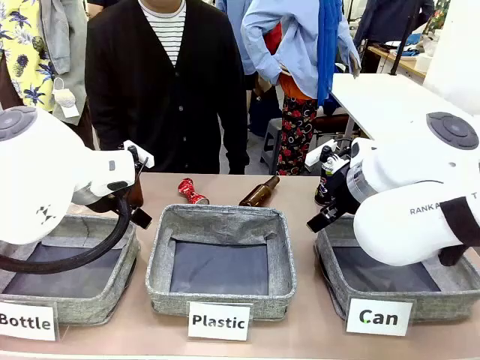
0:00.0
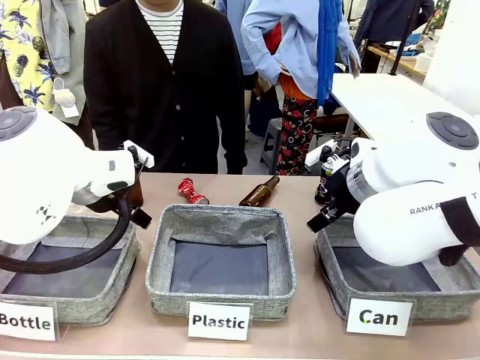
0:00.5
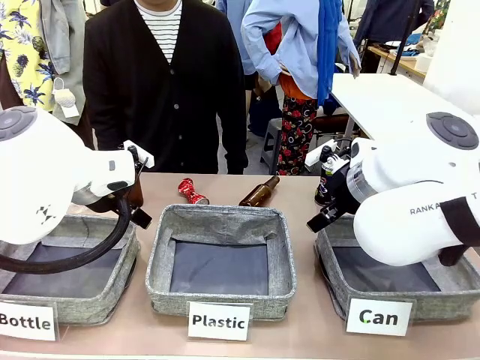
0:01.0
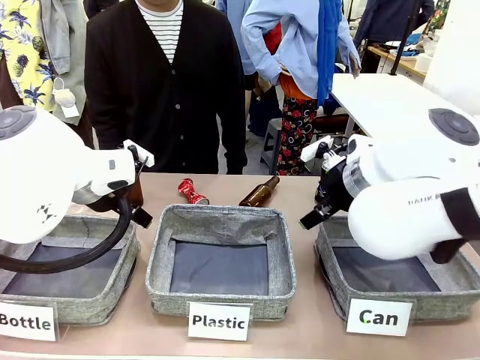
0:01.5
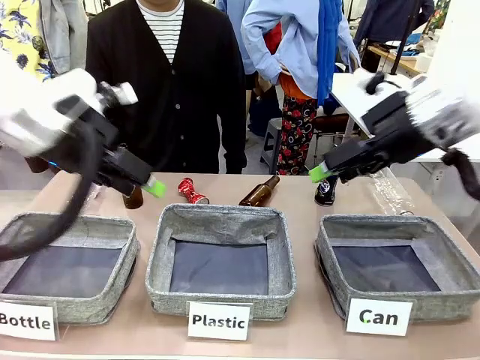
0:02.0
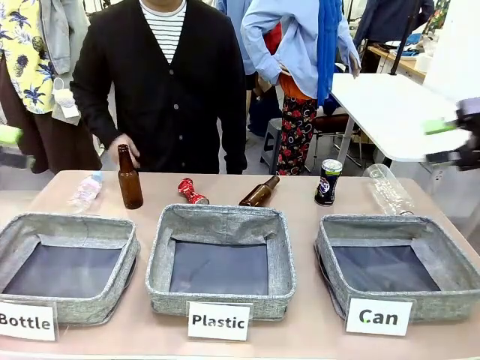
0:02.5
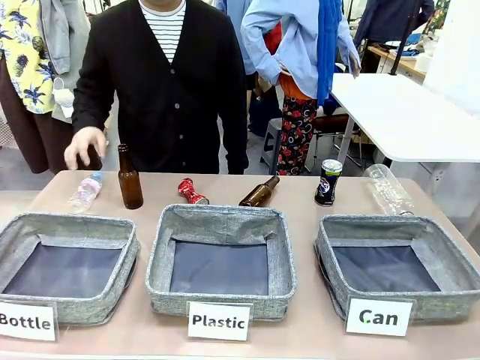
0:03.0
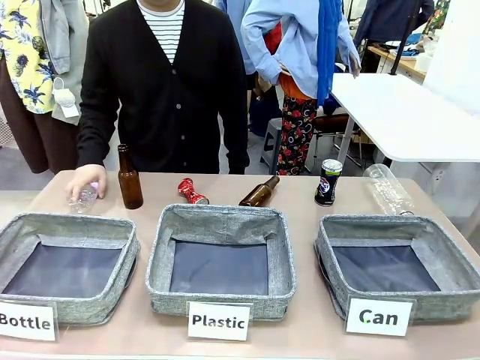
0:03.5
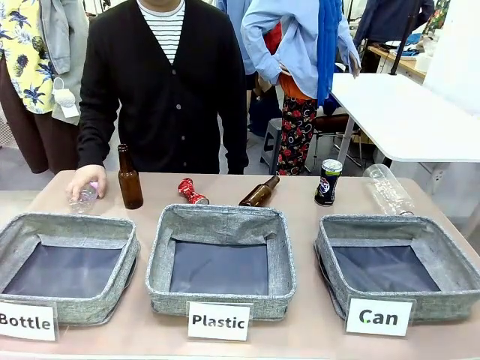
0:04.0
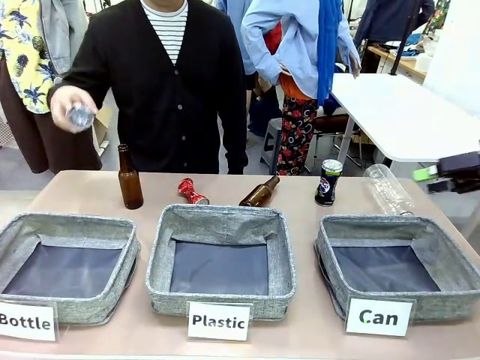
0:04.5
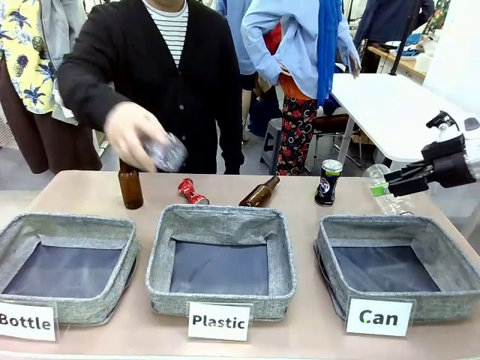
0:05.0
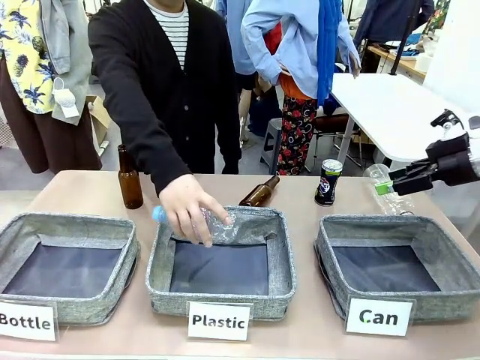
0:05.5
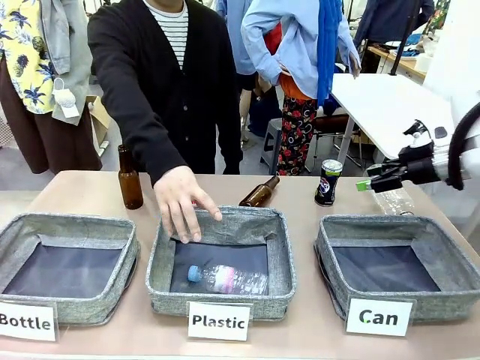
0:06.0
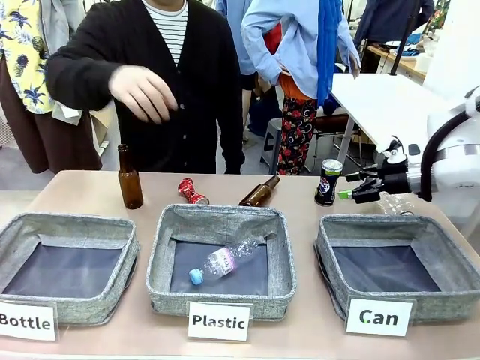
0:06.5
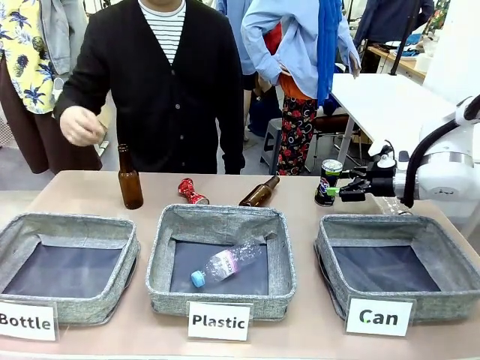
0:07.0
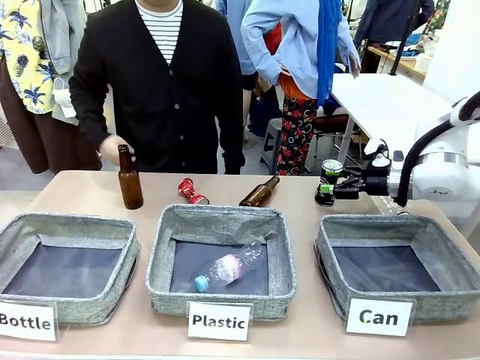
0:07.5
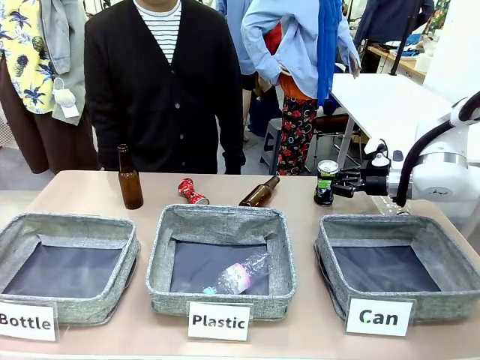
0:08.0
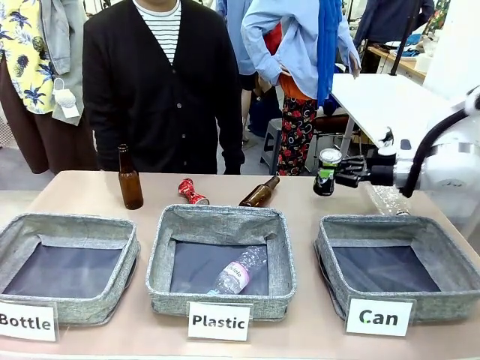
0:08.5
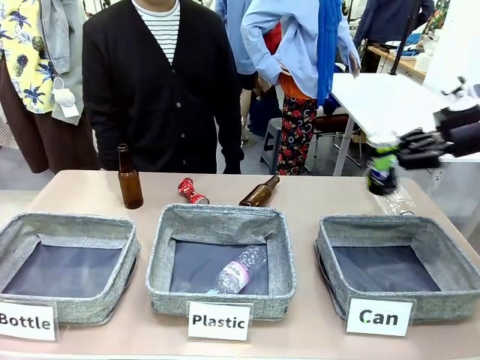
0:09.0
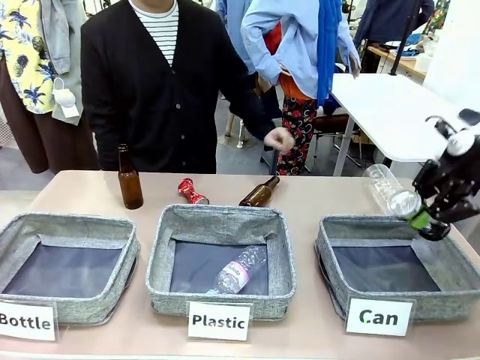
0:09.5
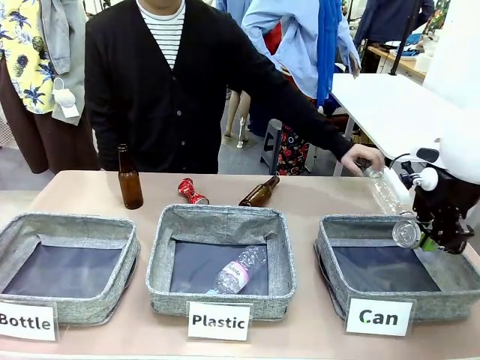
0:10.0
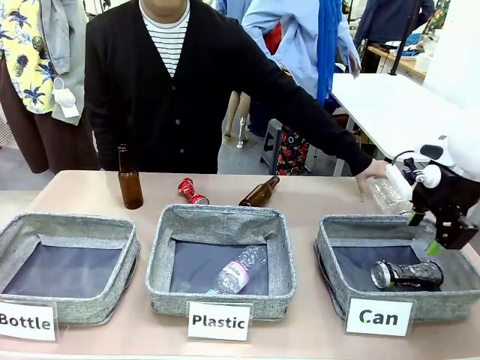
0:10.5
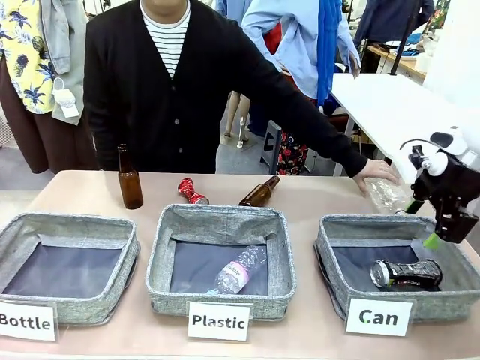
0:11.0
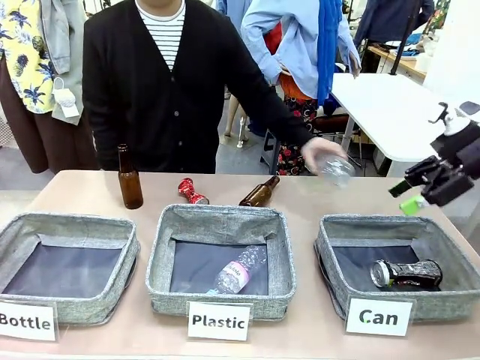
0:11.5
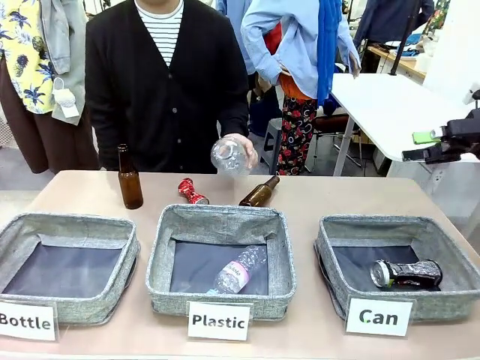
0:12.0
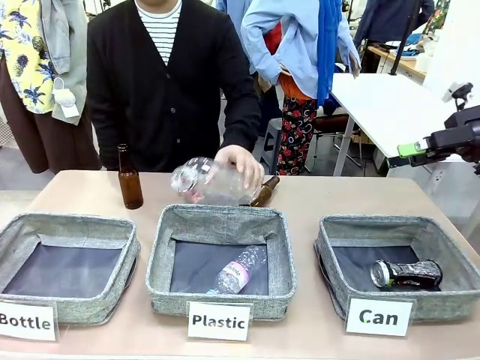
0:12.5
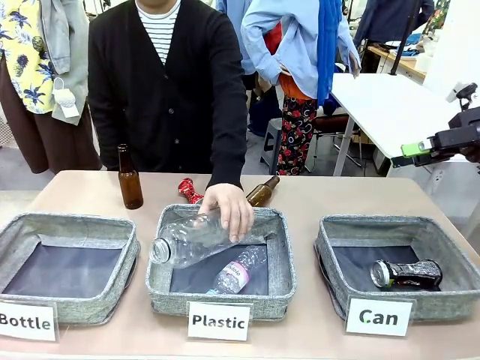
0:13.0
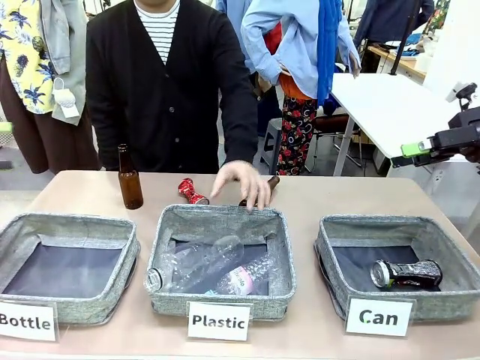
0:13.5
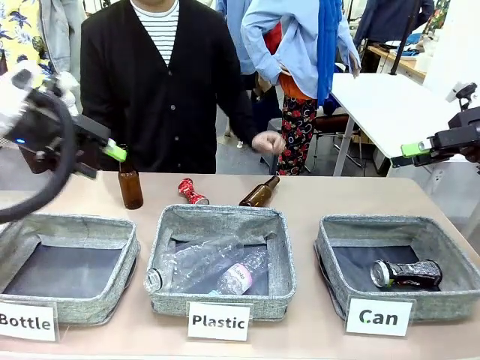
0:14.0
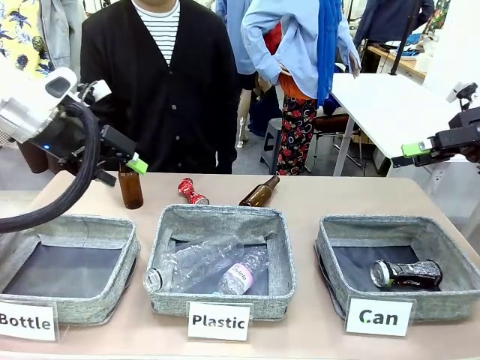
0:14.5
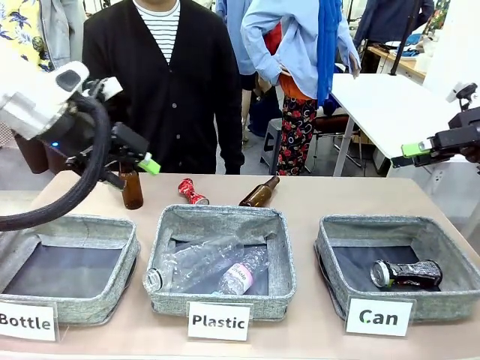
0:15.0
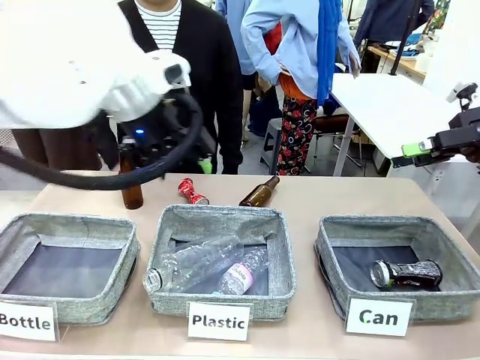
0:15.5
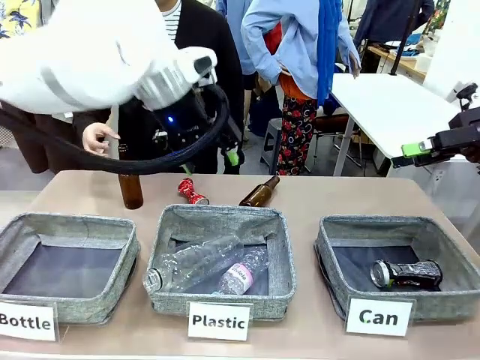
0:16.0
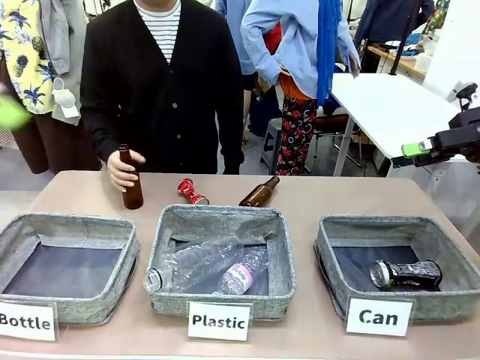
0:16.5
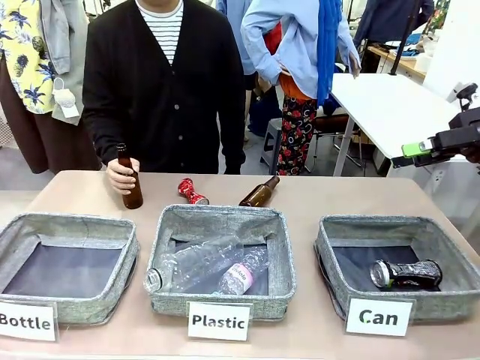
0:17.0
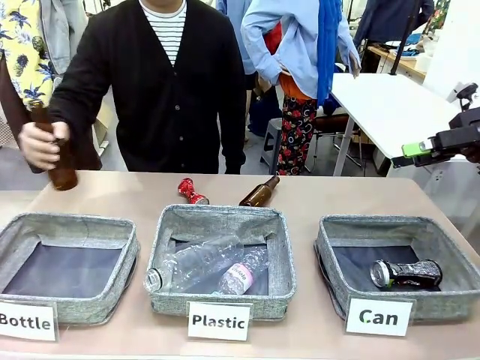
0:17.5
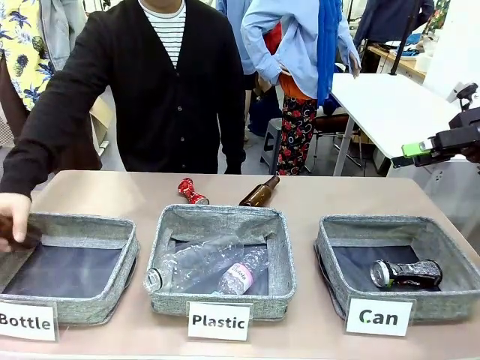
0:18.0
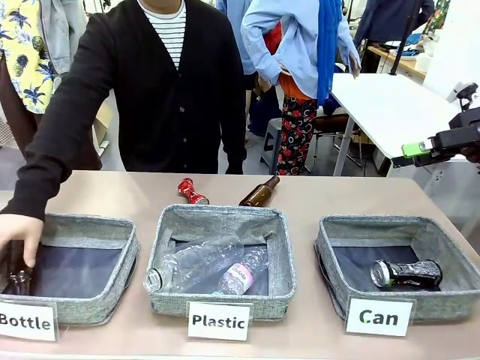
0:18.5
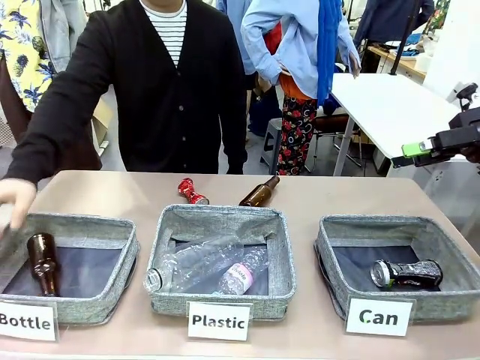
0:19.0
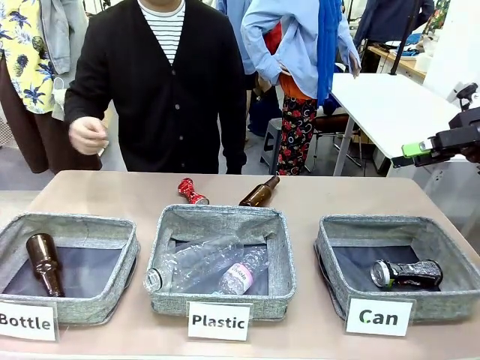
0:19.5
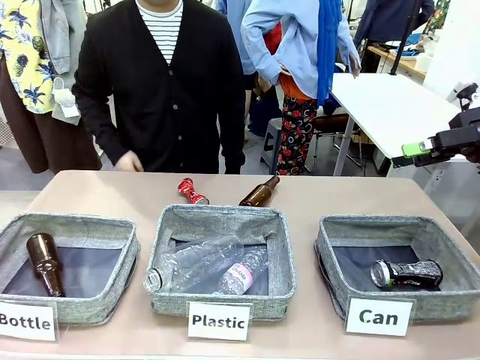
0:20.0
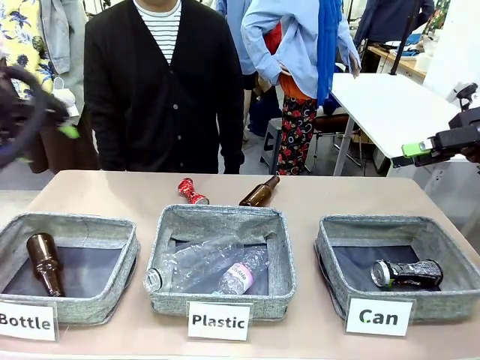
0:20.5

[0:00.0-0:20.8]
Task: Sort the can waste into the basket.
Robot: Pick up the can waste from the table and place it in the right Fabric basket.
